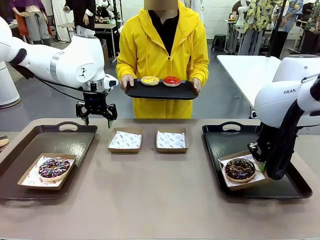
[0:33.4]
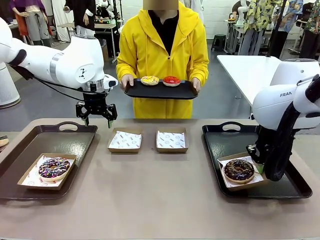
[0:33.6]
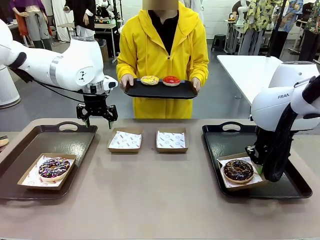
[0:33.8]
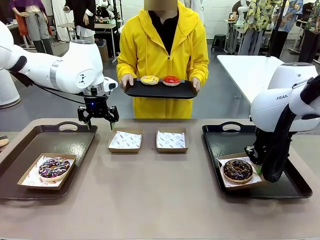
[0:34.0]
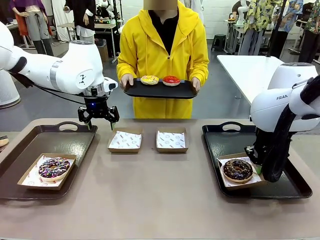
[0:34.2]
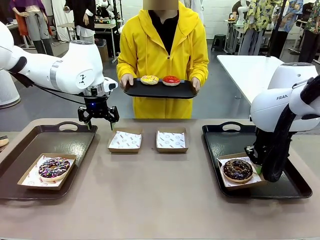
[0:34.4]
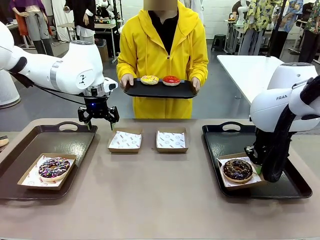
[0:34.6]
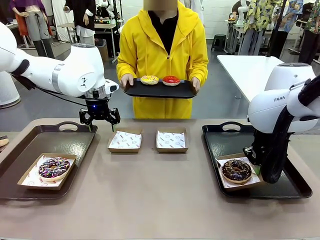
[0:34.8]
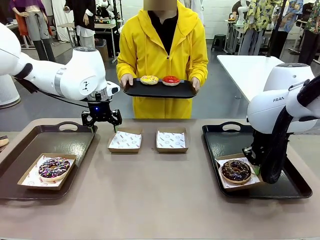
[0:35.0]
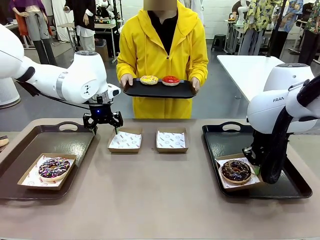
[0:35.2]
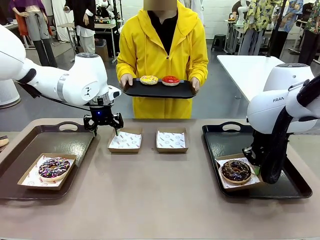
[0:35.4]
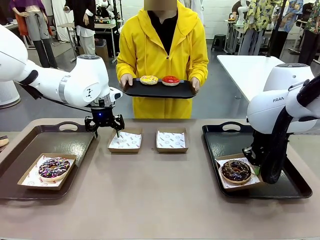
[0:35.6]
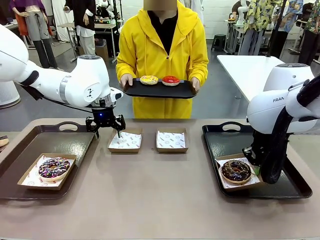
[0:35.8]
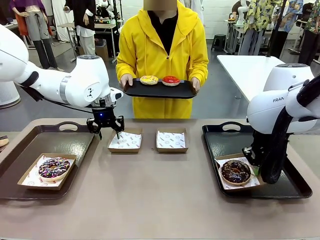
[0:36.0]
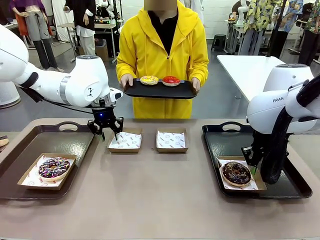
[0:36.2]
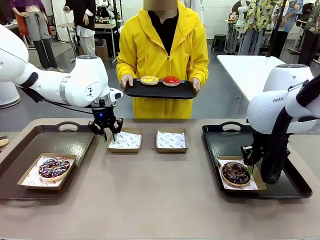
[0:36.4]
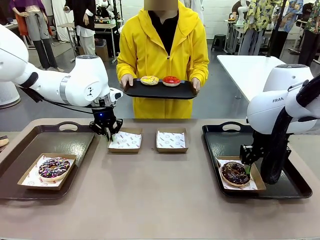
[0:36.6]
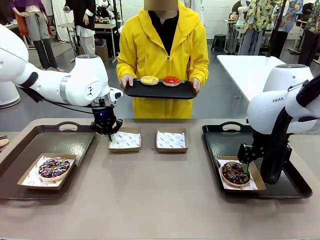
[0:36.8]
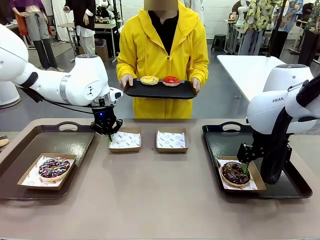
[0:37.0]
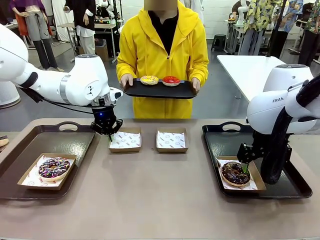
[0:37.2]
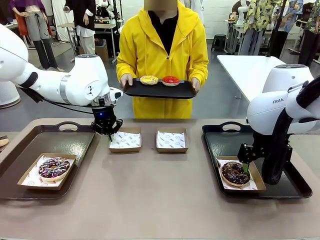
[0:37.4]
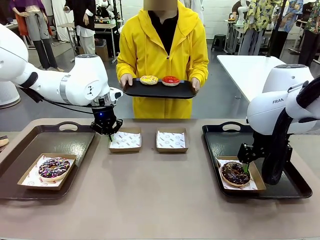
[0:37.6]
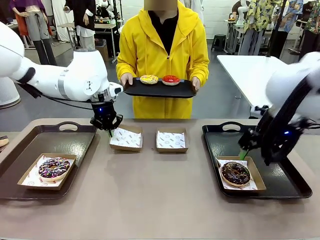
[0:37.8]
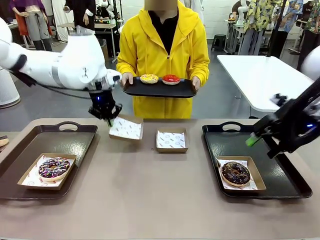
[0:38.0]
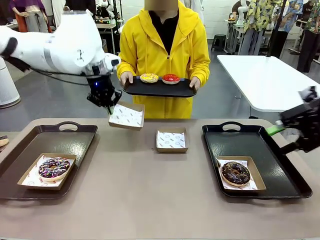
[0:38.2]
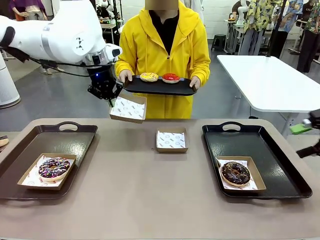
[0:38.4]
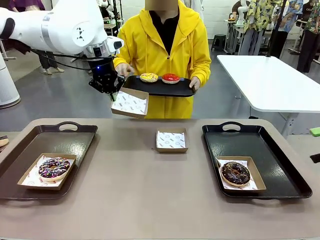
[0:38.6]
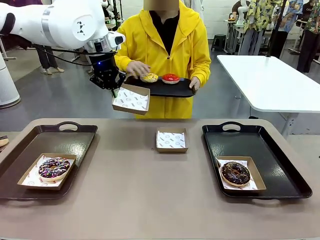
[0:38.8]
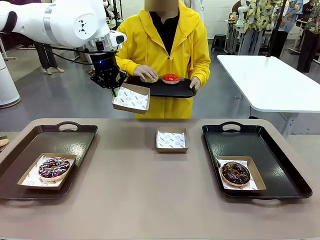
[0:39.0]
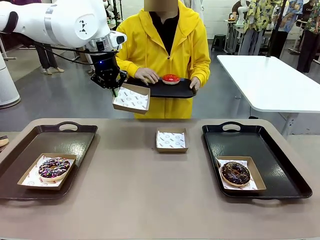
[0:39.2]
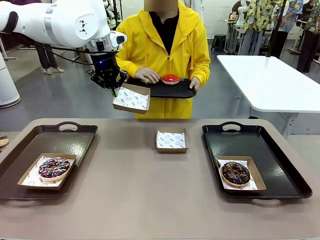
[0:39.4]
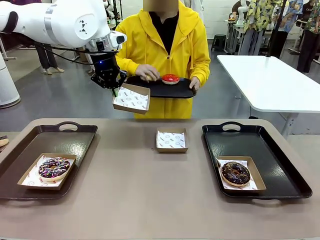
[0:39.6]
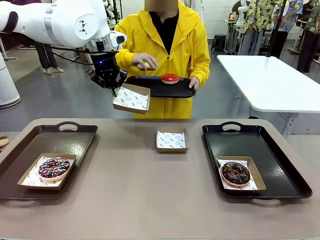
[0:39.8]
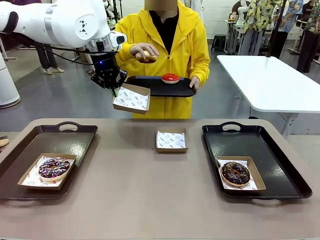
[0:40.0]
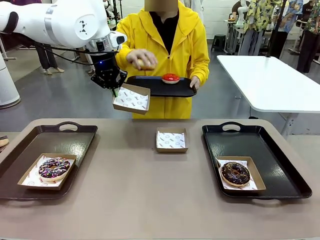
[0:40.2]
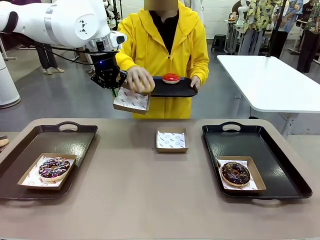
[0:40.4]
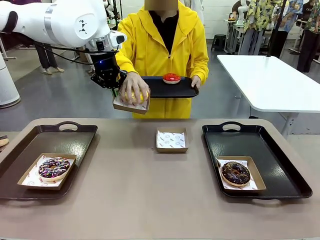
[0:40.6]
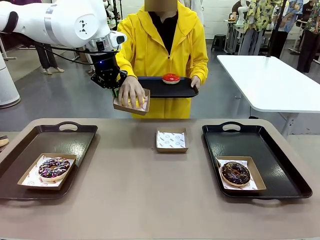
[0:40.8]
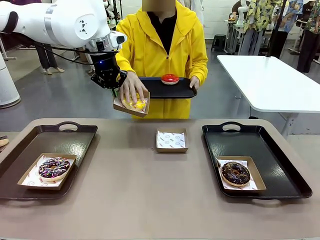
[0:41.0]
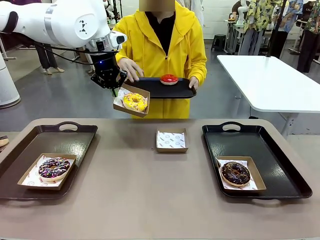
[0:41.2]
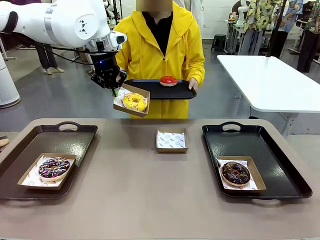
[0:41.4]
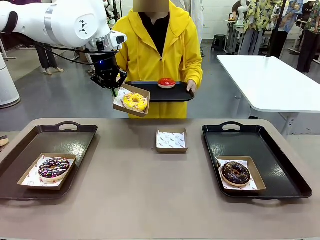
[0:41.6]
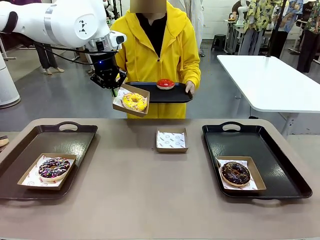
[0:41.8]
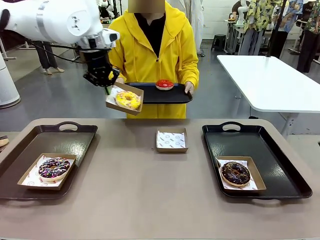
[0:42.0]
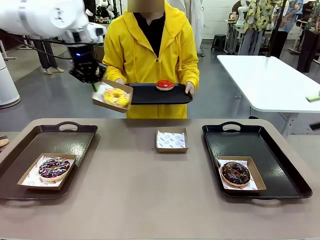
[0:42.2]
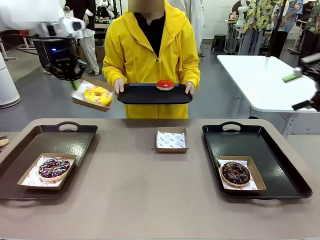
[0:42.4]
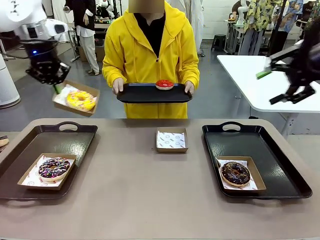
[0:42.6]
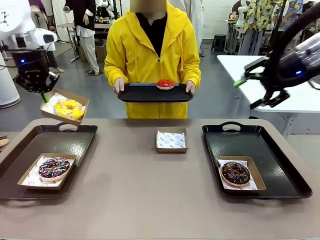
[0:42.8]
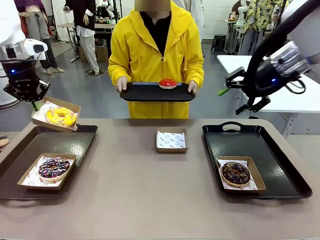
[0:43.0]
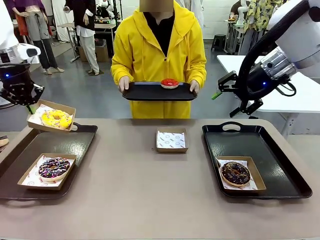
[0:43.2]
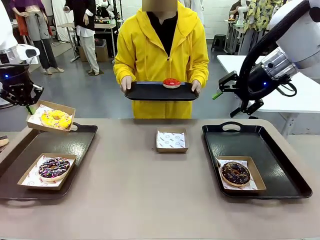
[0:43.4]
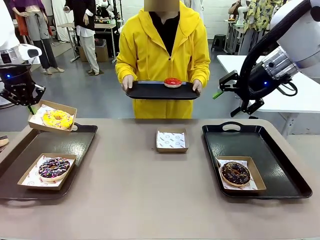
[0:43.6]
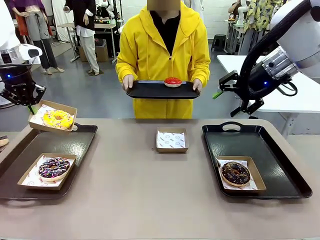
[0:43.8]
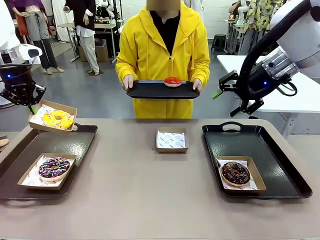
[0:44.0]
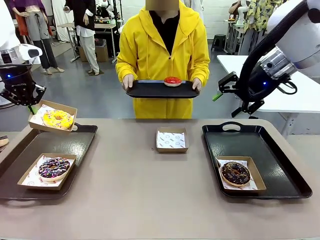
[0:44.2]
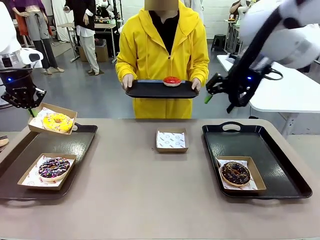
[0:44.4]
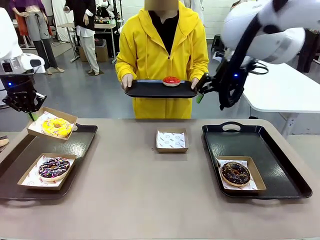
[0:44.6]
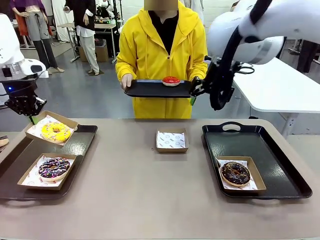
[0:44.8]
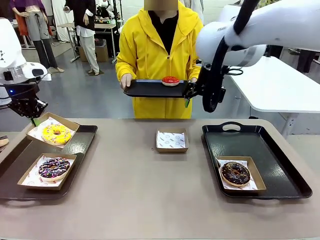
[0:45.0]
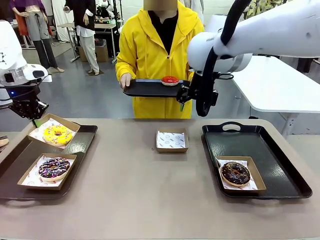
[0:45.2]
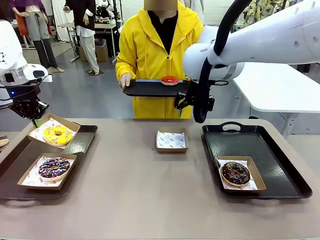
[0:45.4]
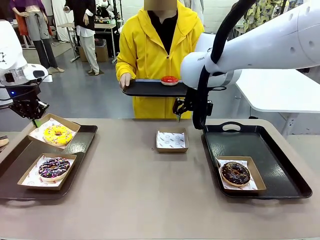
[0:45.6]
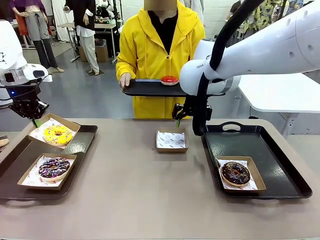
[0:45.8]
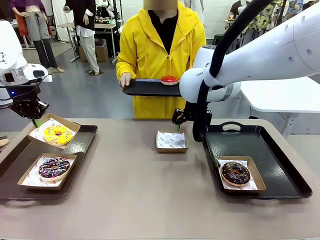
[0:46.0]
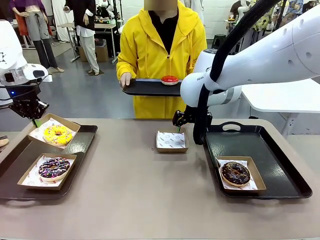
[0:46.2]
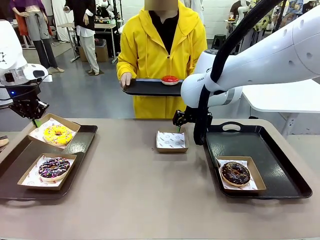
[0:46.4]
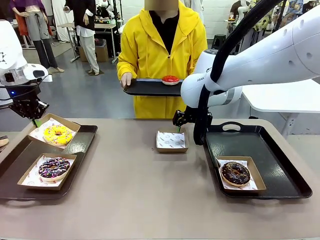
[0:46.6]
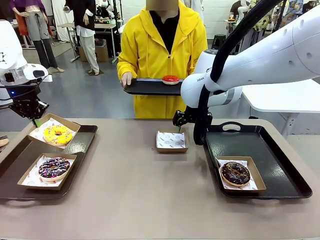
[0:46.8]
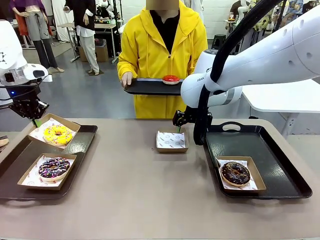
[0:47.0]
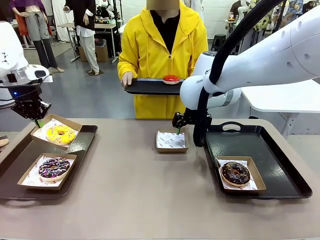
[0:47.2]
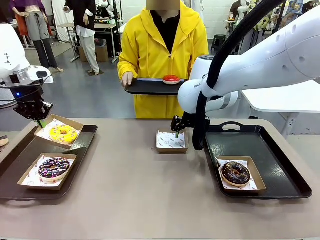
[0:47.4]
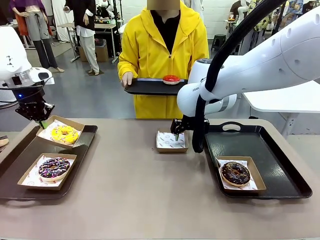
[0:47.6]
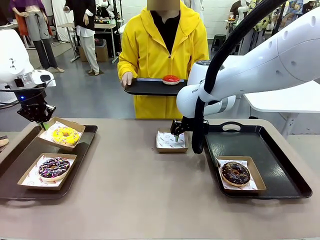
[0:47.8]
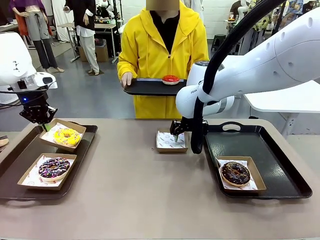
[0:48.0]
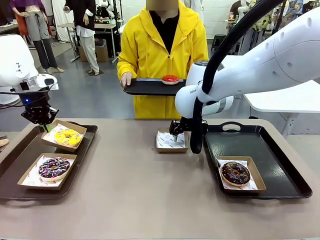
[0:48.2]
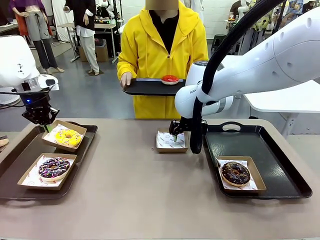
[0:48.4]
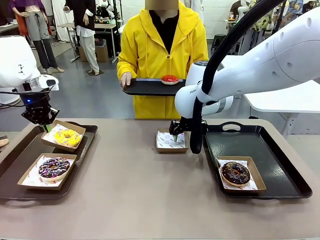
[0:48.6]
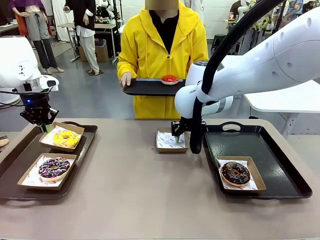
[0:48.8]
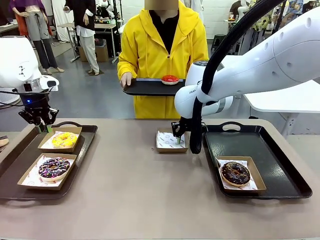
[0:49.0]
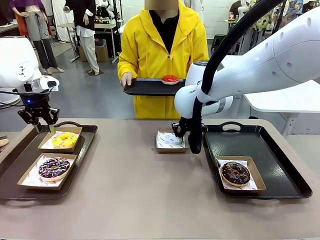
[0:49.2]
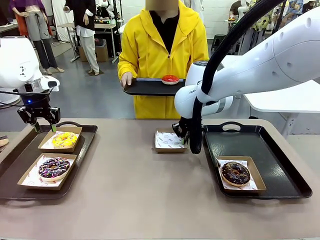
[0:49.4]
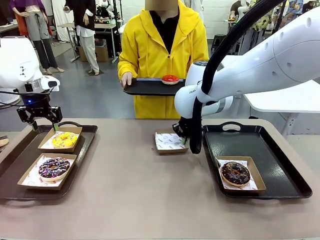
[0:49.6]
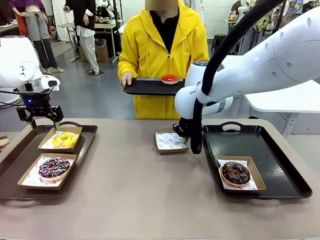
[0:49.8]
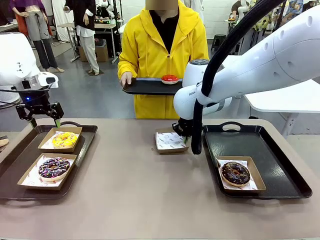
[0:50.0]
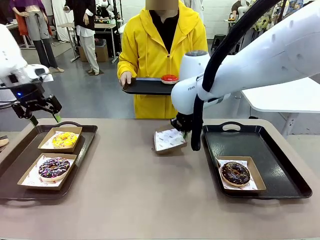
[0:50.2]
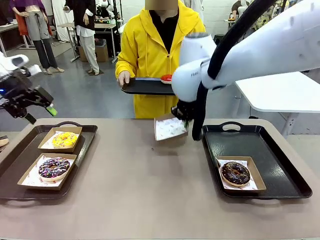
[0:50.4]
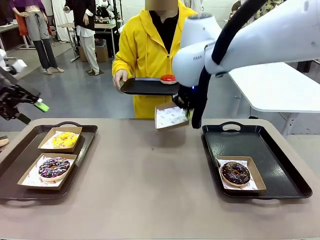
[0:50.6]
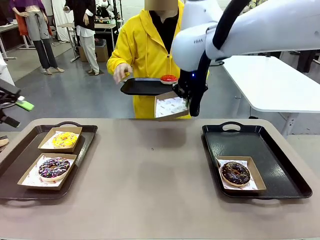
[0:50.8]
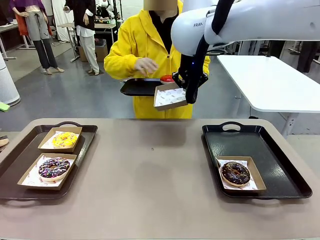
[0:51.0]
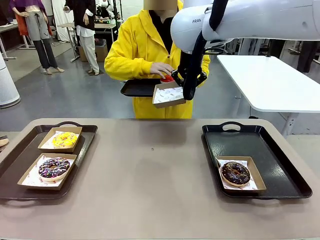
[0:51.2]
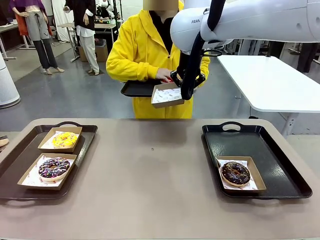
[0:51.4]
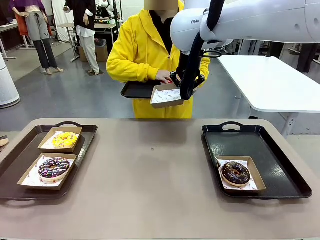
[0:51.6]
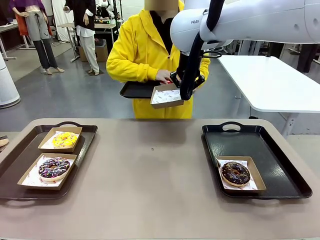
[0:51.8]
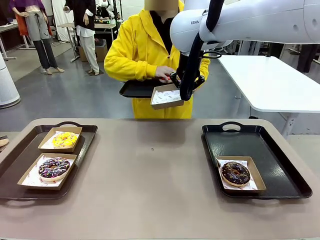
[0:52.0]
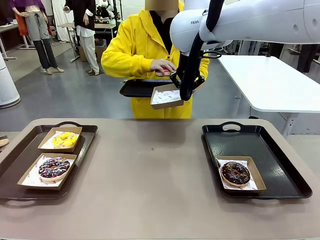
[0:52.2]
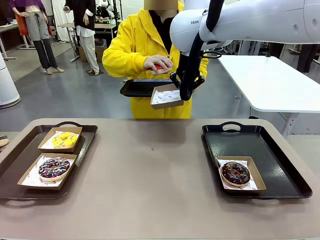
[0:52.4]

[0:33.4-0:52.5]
Task: Individually package the donuts and arrange them on the tray.
Robot: Place the picked Paper togo box on the Handle tray while simultaneously picking up another Paper togo box from the table with the other hand.
